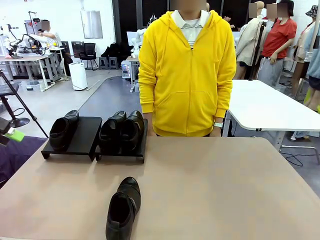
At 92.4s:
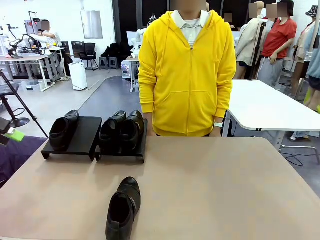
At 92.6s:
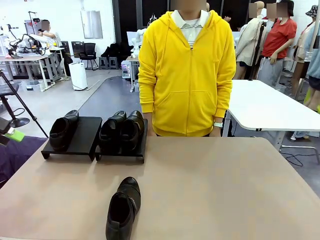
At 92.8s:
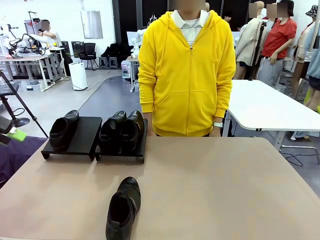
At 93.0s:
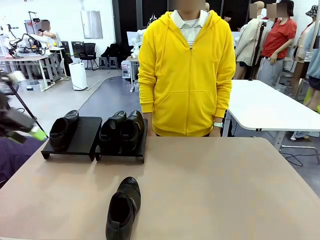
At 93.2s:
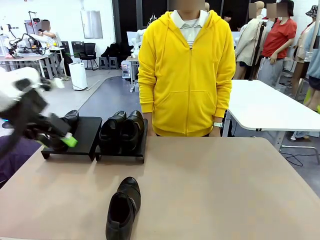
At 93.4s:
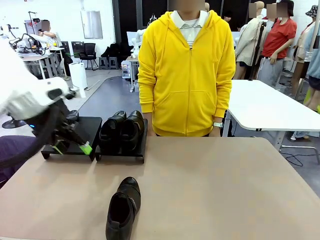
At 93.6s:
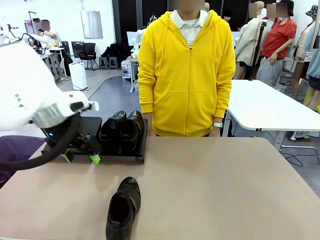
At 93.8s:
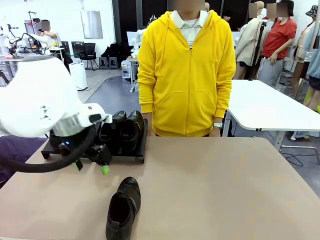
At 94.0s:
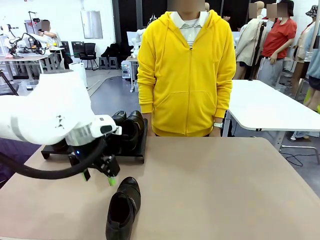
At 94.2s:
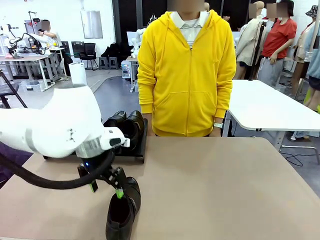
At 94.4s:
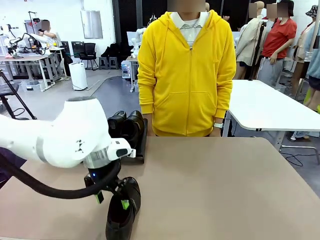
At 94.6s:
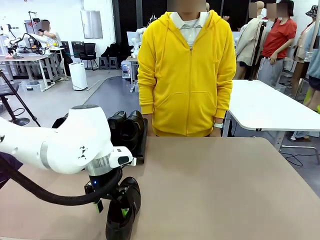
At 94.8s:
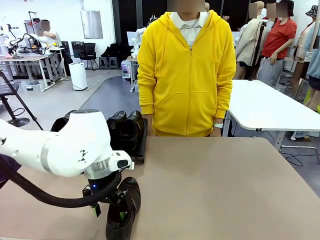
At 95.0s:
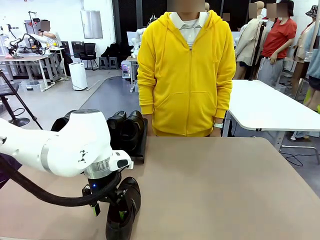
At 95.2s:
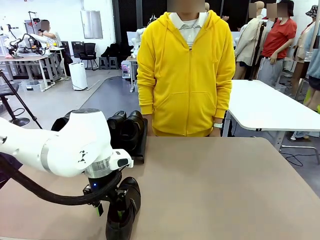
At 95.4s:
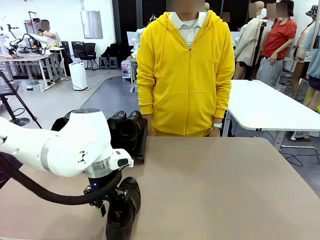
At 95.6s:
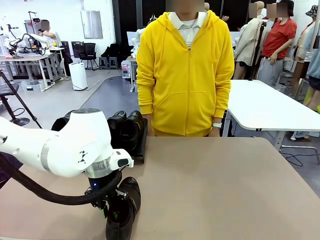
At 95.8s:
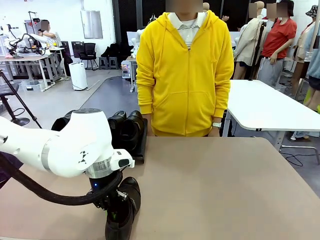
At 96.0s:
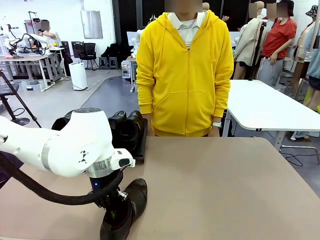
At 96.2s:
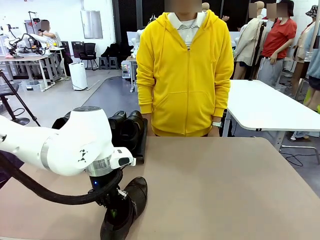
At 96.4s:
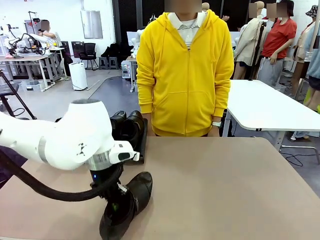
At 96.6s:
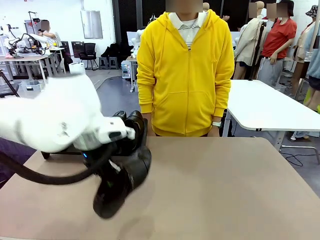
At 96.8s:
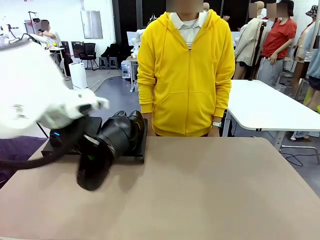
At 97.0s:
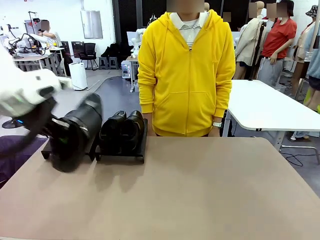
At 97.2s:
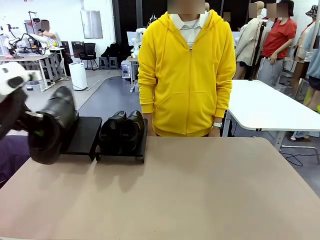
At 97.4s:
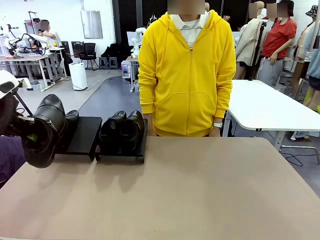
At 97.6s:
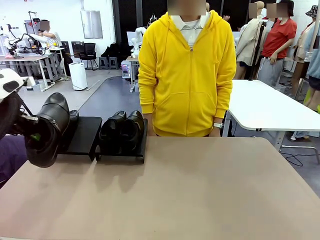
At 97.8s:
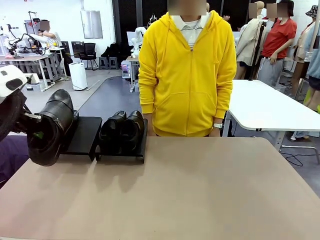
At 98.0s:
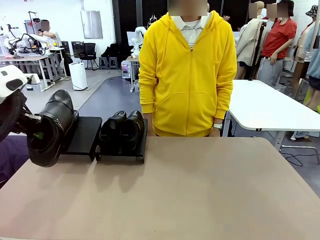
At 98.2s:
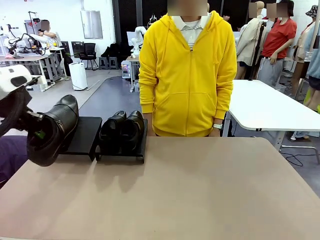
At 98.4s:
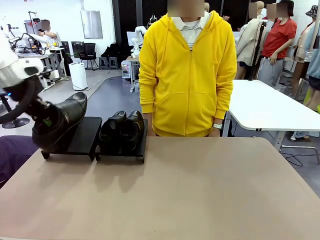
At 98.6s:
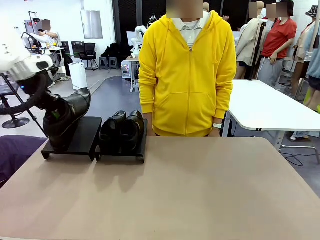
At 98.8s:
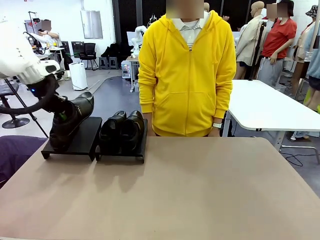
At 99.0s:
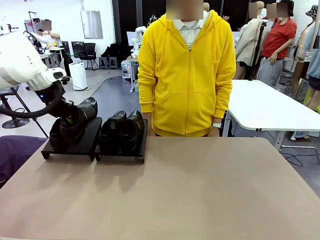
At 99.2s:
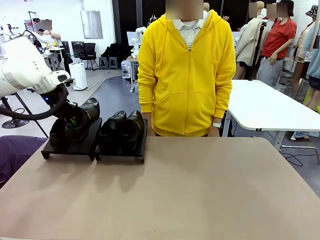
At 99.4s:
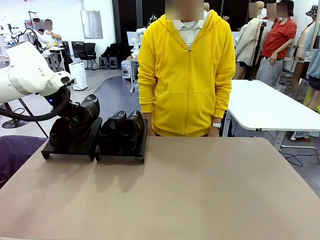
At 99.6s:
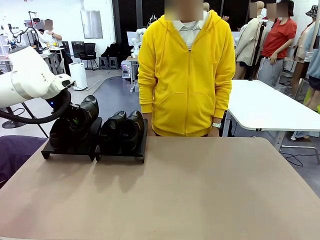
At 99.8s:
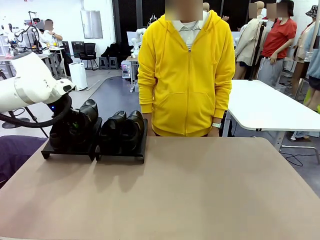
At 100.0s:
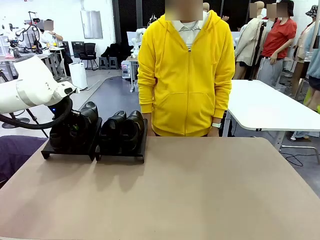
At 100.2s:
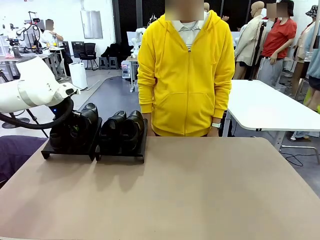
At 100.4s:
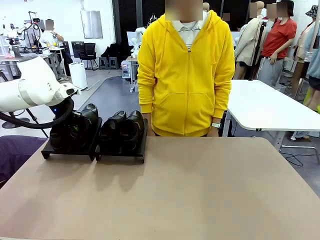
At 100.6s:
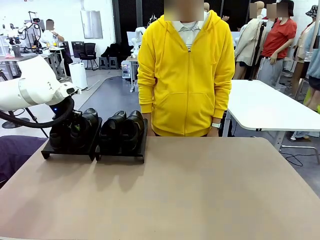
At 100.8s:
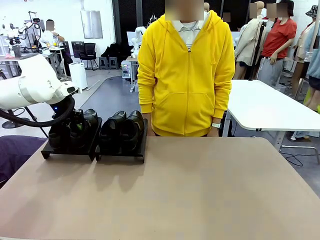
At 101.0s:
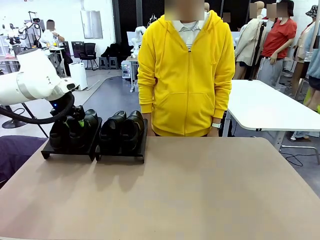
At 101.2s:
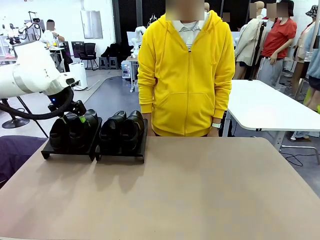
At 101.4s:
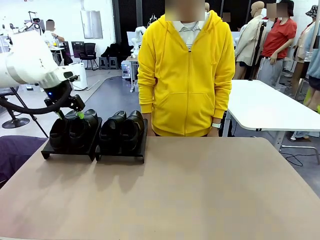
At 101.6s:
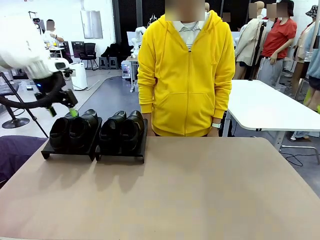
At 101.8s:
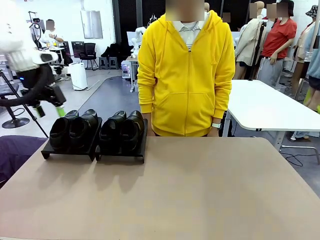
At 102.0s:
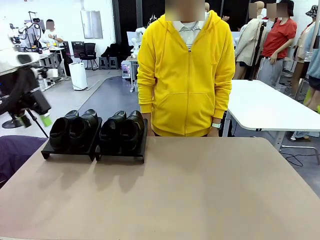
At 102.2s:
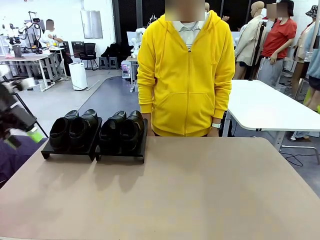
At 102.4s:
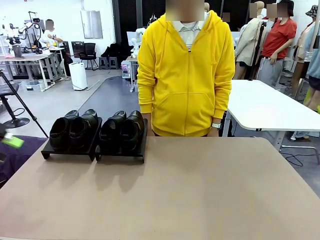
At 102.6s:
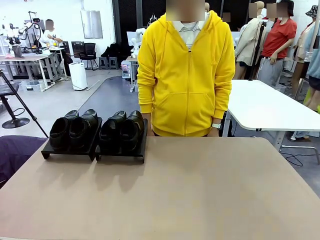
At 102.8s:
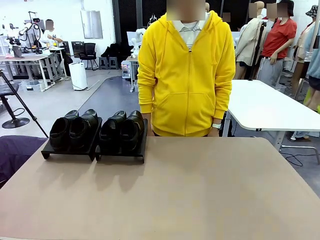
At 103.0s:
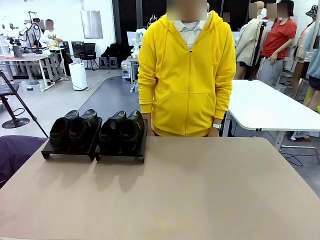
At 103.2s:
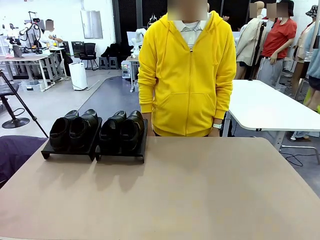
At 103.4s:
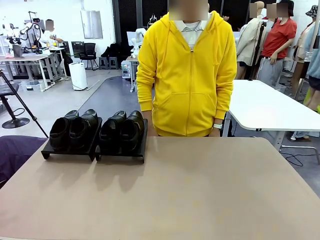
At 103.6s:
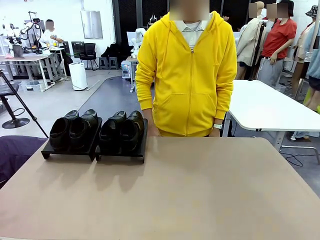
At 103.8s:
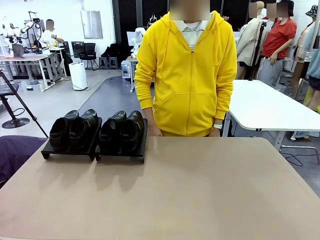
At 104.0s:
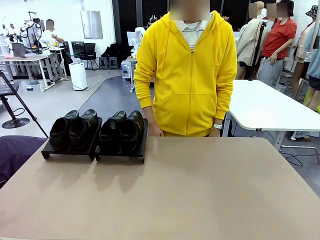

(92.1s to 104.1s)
Task: Organize the shoes by placing them on the stand.
Robot: Place the Shoe from the middle of the table onto the Shoes Stand.

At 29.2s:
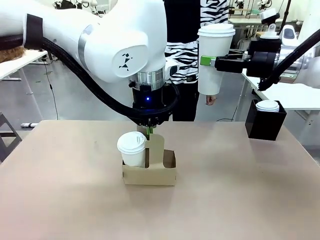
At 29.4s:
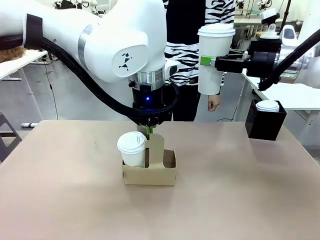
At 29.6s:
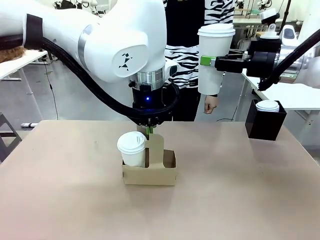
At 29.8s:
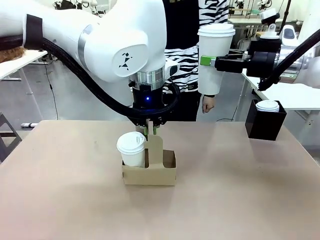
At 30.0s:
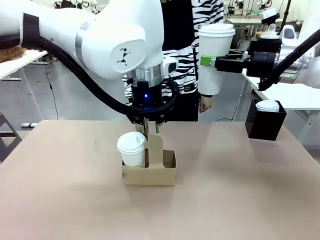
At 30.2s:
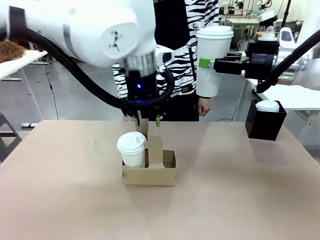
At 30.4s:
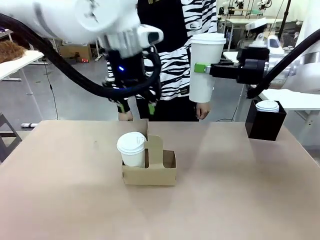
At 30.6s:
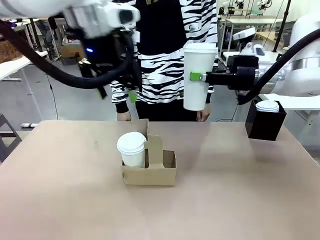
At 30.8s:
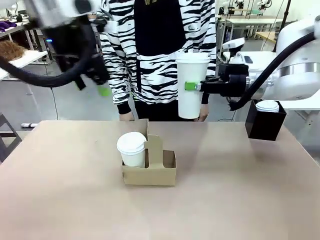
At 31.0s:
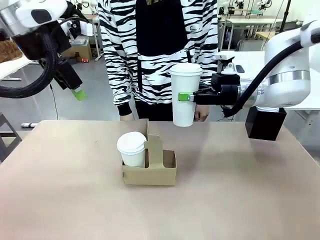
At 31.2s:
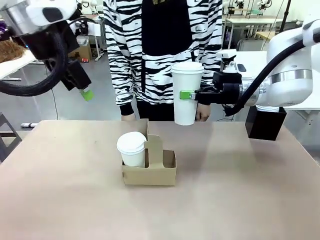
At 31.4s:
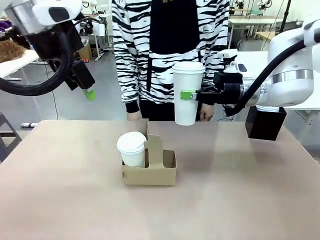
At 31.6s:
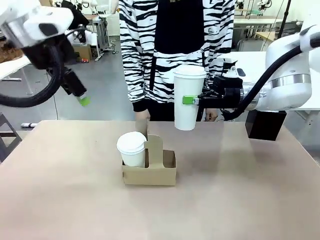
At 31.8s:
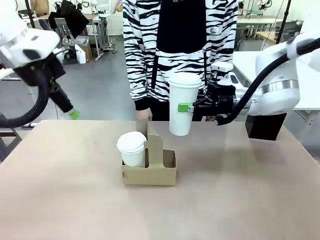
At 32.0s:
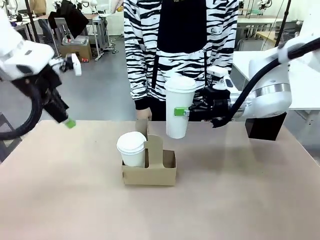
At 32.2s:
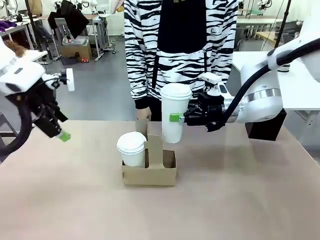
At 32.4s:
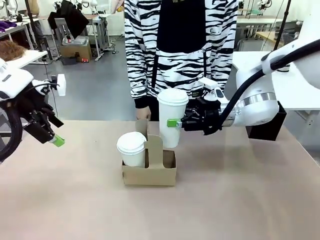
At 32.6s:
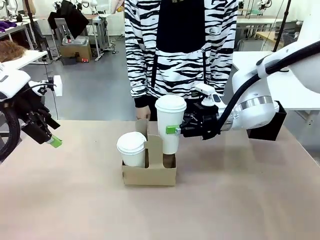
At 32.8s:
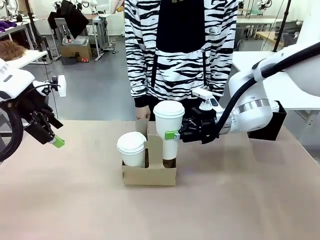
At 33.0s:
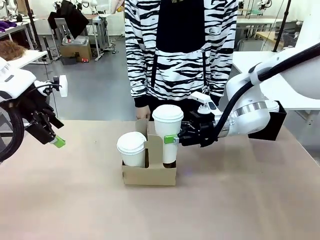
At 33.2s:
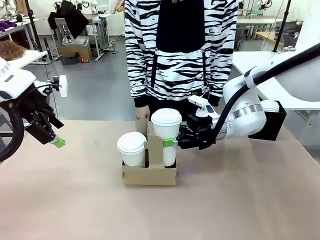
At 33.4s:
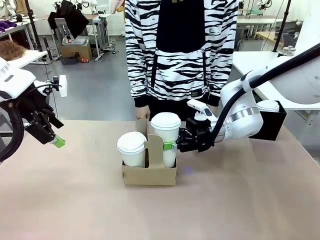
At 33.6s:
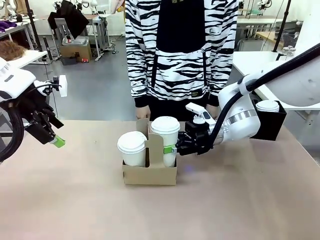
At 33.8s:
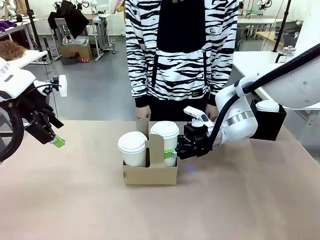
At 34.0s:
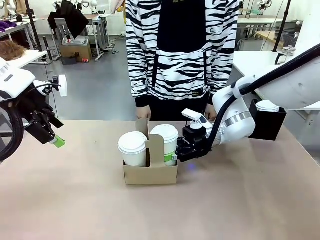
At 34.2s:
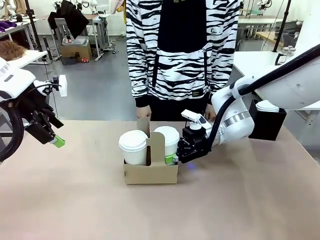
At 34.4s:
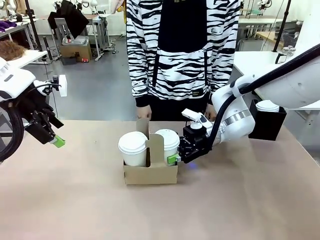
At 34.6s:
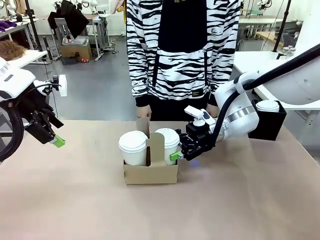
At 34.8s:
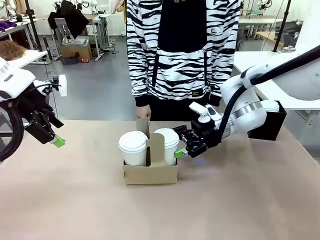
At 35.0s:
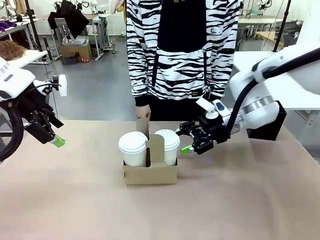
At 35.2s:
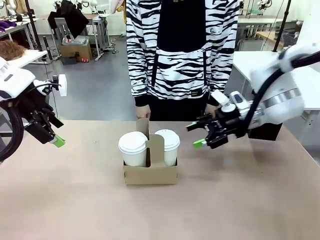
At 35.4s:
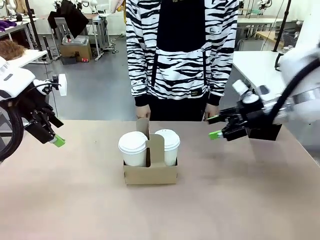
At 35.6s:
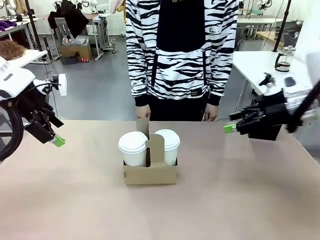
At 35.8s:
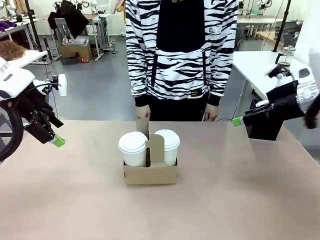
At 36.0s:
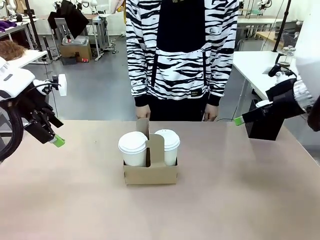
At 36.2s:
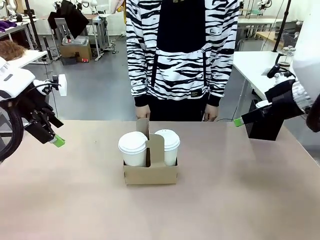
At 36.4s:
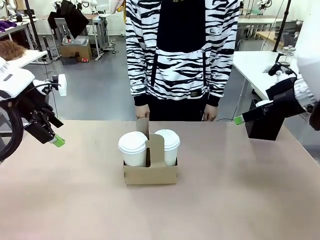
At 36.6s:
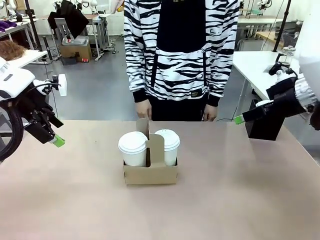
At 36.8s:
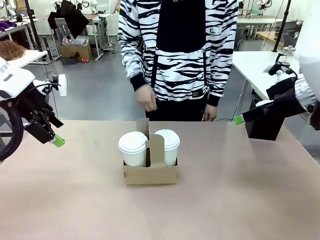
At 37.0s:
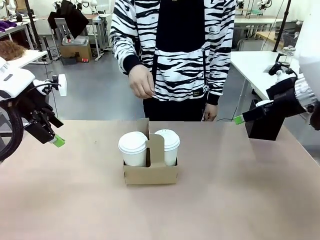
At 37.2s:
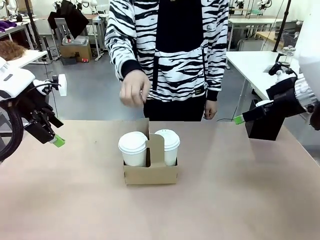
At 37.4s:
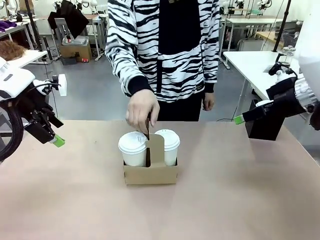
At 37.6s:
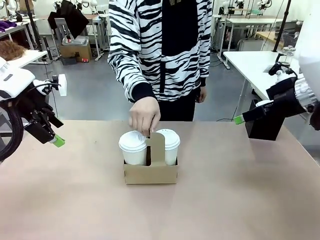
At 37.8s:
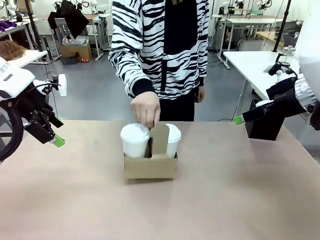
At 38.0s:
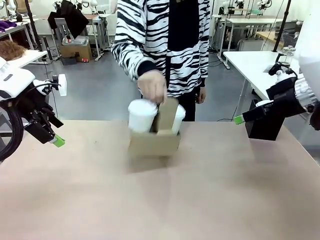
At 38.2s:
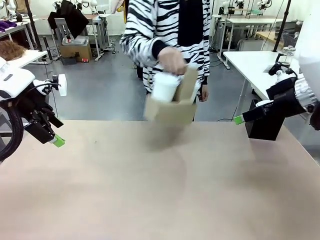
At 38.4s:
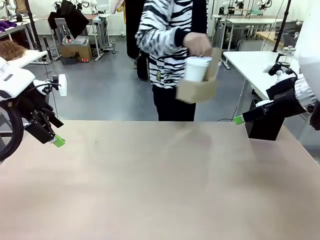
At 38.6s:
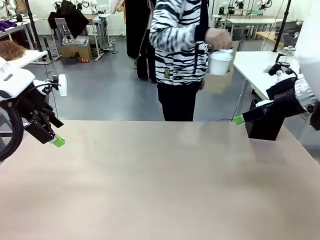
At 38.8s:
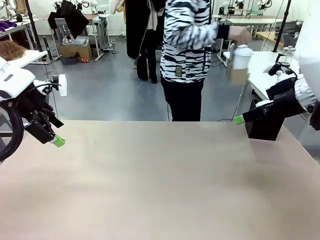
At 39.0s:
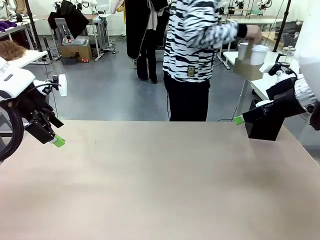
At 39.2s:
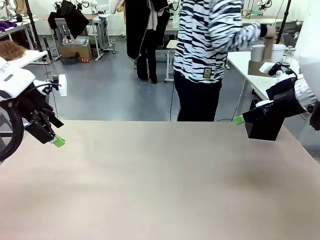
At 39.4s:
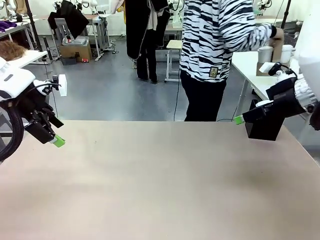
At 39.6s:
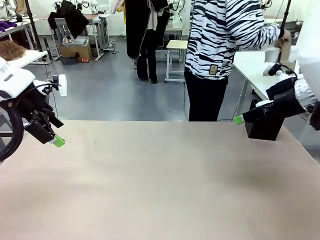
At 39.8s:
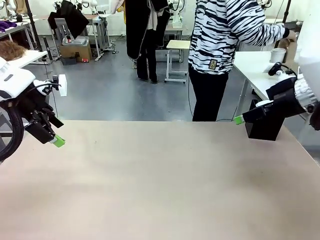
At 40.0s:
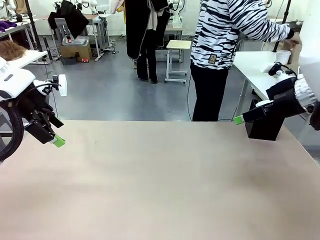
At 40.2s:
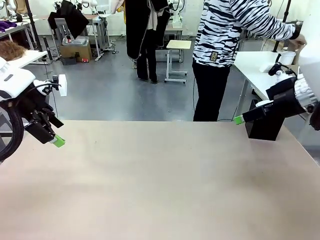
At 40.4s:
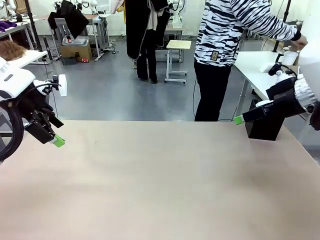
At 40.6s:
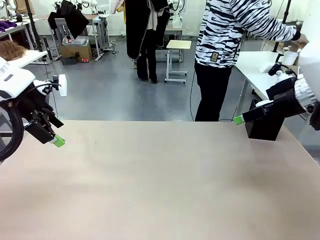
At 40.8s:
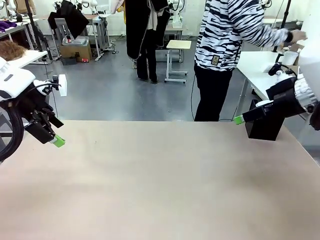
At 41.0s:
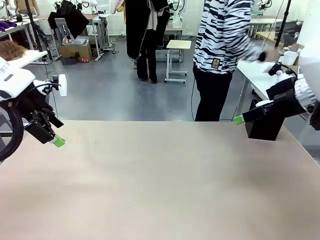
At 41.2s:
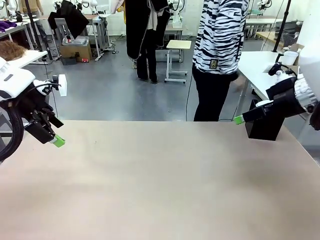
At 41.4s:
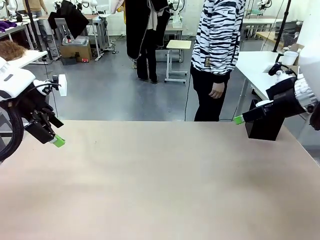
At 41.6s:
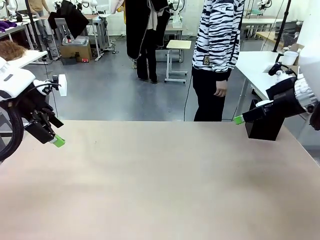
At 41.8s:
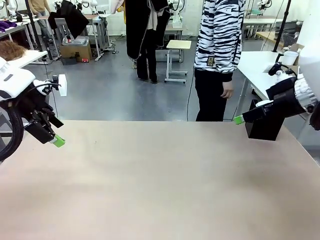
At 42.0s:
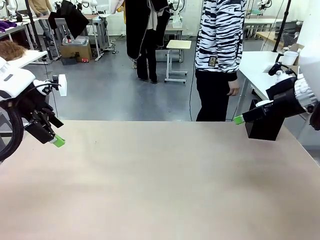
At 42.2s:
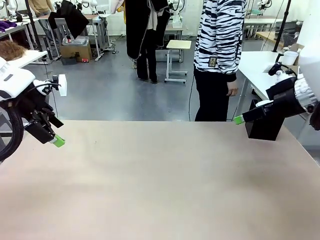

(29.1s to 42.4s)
Task: Pour a drink into a cup and package it in a carrier.
Robot: Insert the held 600 ml Paper Cup into the Cup Carrier.
Person: Place the Cup Carrier to the middle of Human table.
